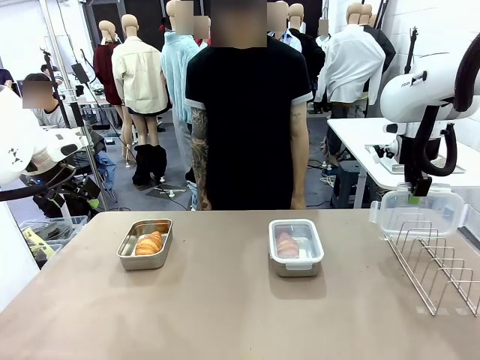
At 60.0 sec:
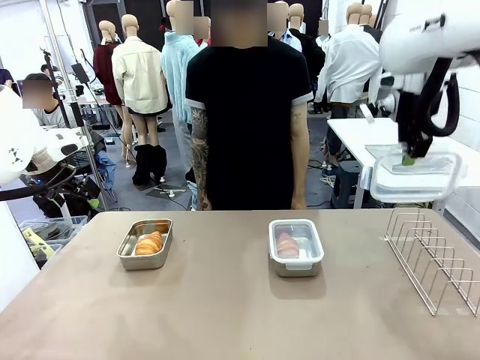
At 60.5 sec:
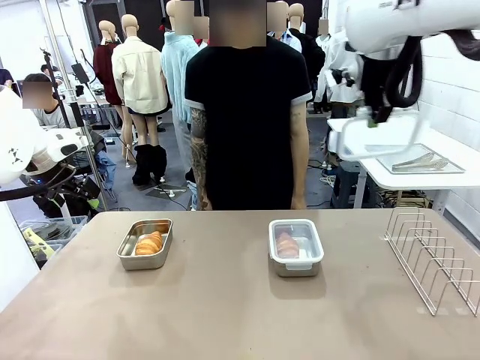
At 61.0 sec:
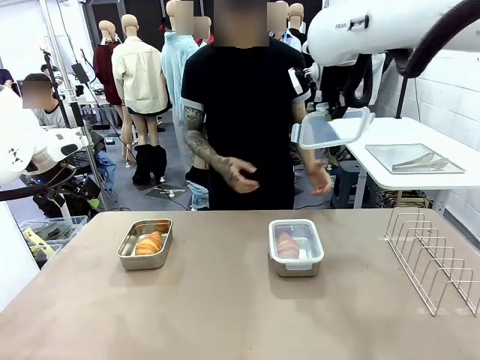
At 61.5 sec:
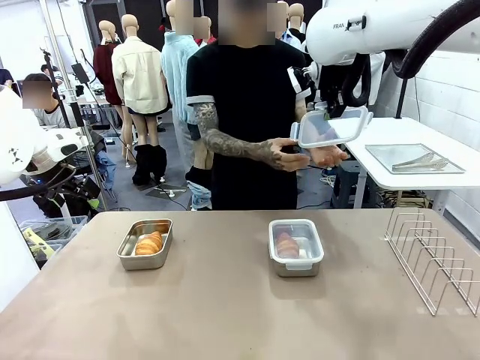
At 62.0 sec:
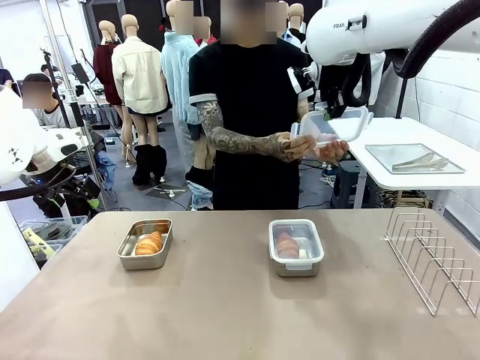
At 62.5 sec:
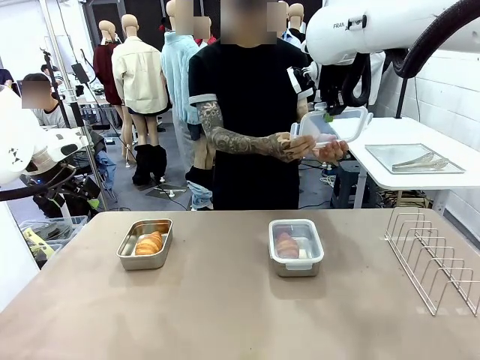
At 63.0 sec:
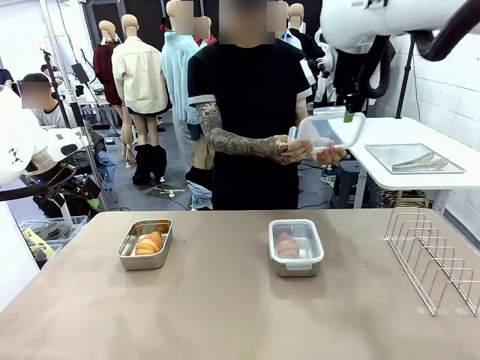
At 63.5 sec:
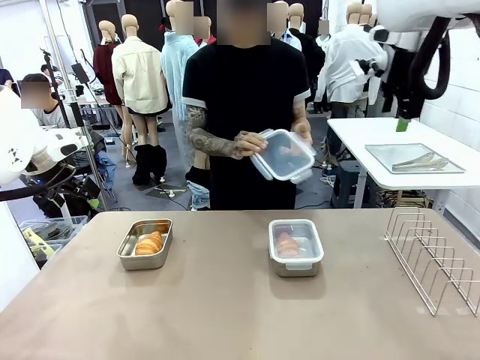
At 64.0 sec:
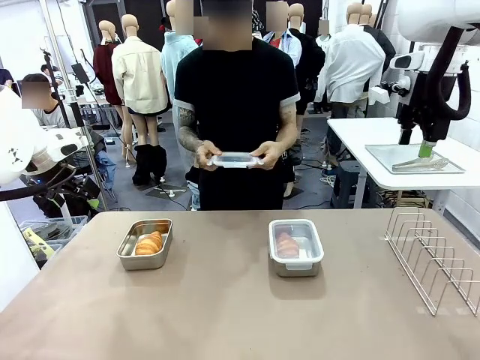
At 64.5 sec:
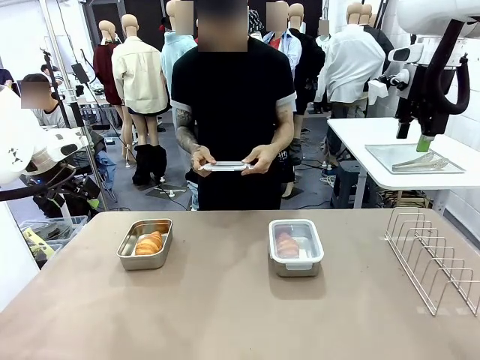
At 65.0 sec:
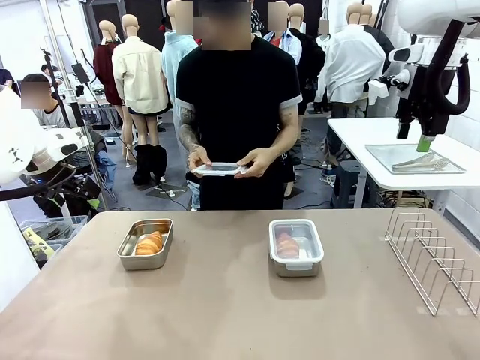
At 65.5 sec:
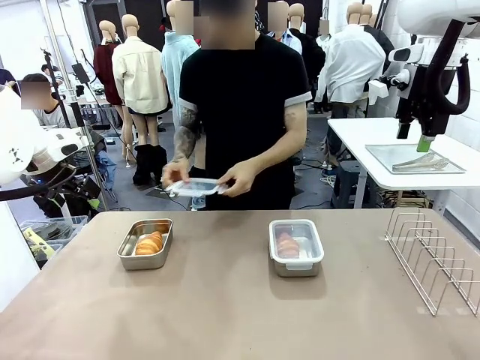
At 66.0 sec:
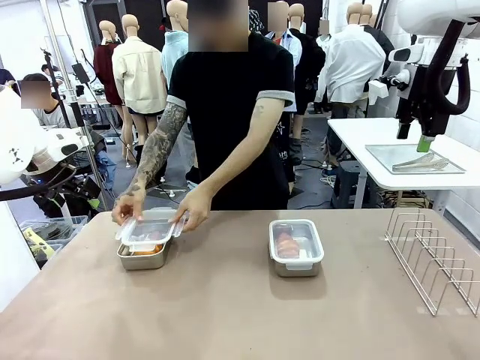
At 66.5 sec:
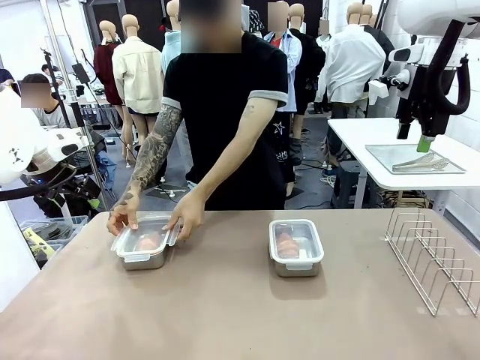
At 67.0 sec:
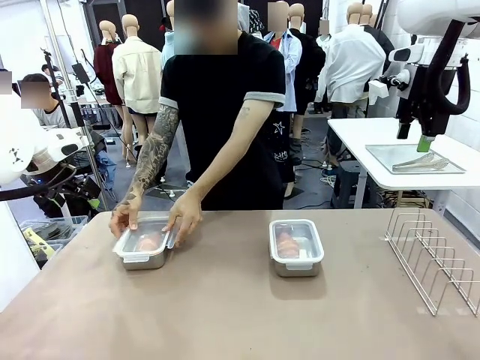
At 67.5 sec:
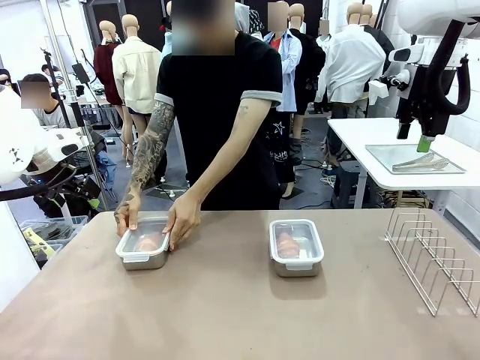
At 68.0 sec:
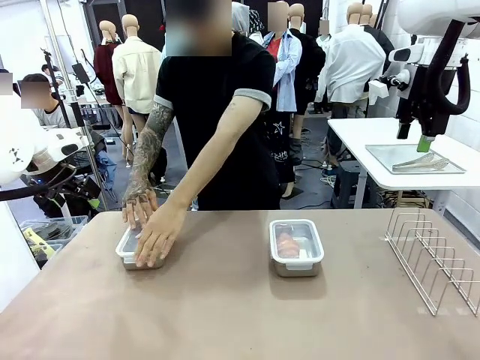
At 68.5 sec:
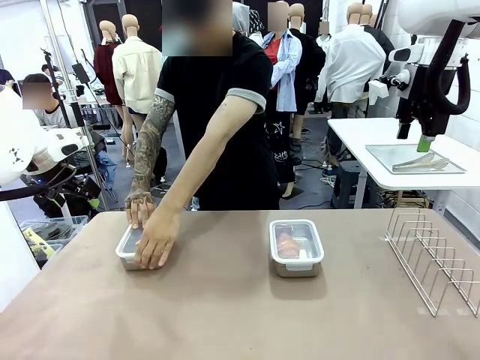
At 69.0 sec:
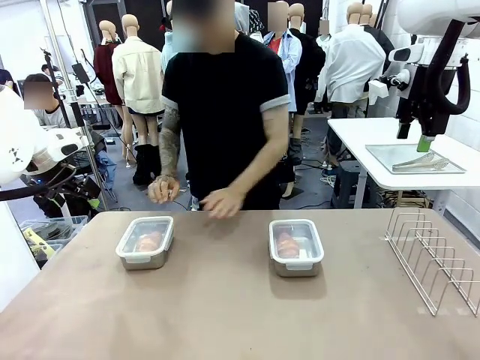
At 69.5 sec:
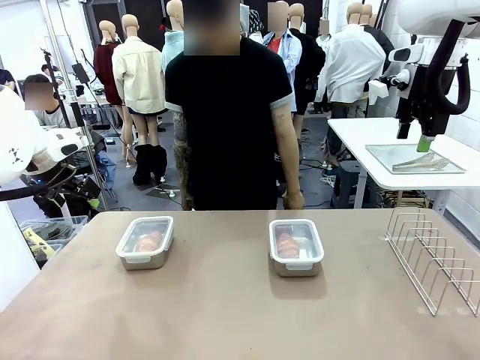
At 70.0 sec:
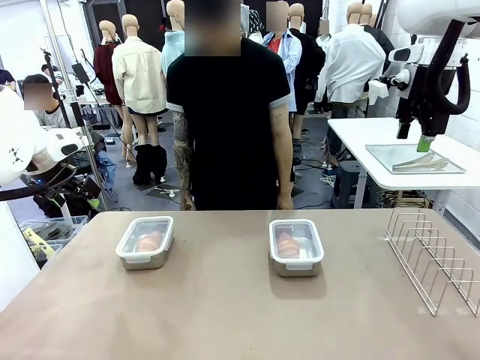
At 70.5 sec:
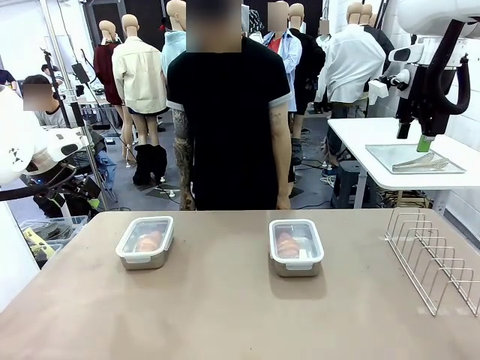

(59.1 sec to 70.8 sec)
Task: Place the bread in airtight containers.
Robot: Release when the human grabs the Airtight Container lid.
Person: Grip Airtight Container lid that robot is handing. Close Airtight Container with a handed Airtight Container lid.

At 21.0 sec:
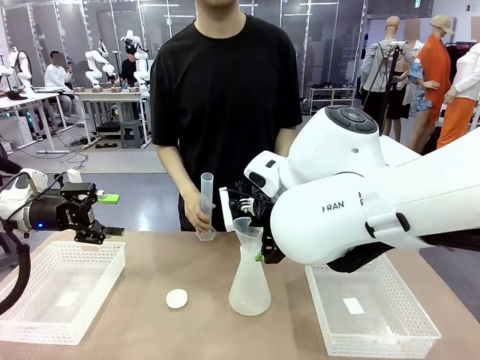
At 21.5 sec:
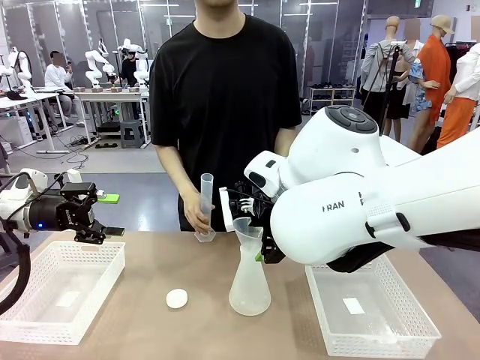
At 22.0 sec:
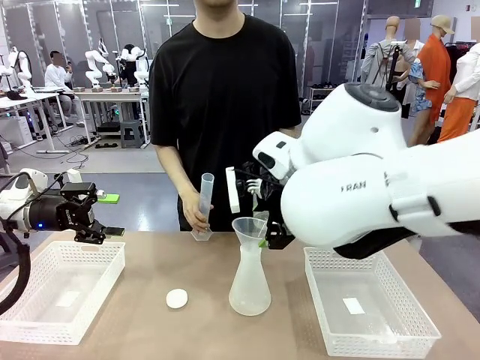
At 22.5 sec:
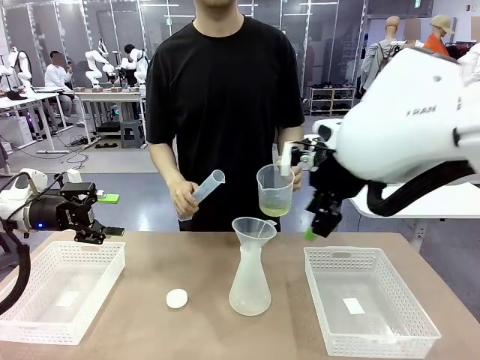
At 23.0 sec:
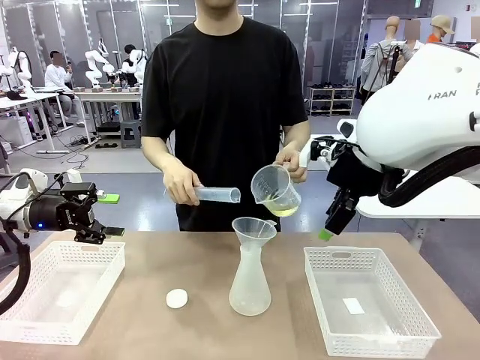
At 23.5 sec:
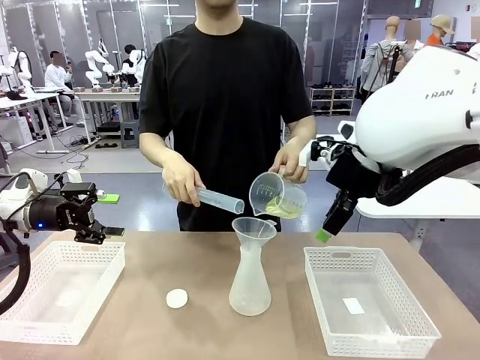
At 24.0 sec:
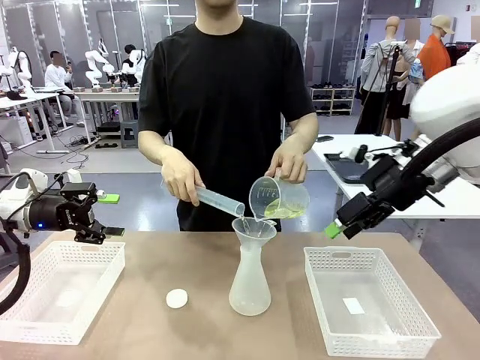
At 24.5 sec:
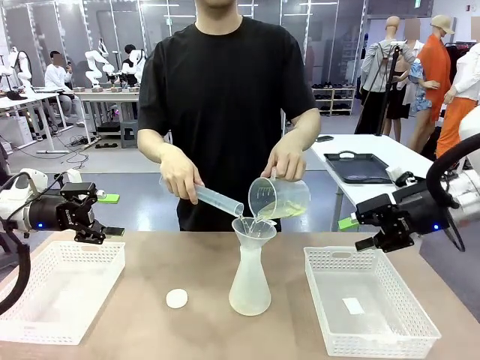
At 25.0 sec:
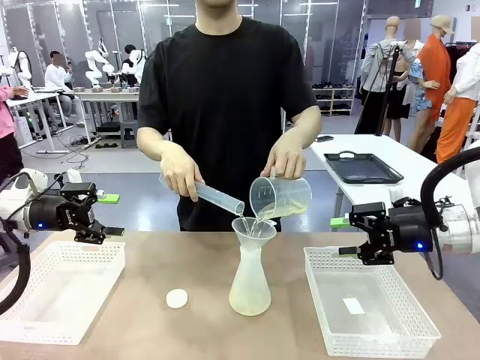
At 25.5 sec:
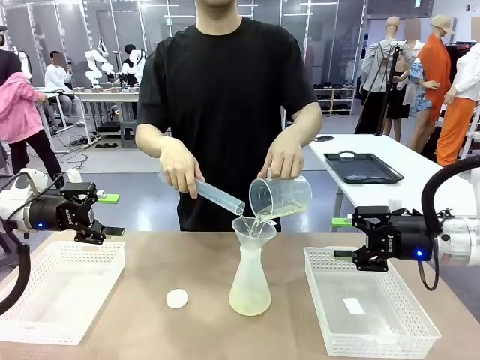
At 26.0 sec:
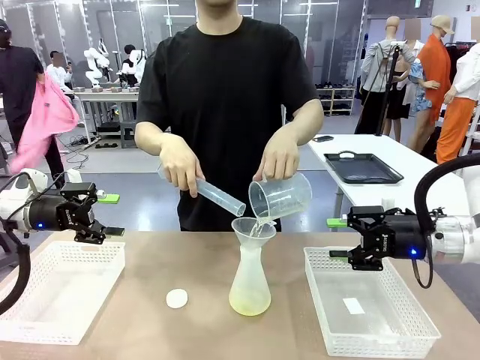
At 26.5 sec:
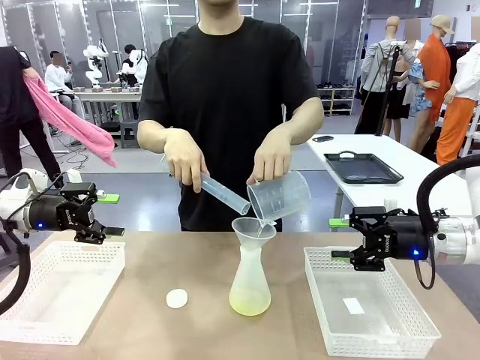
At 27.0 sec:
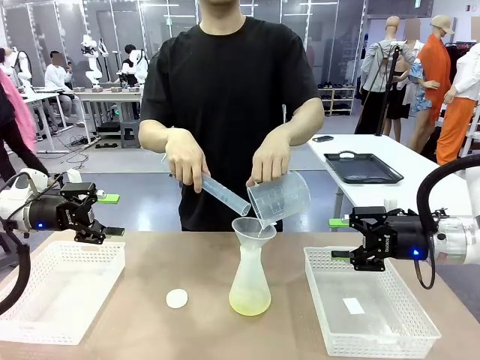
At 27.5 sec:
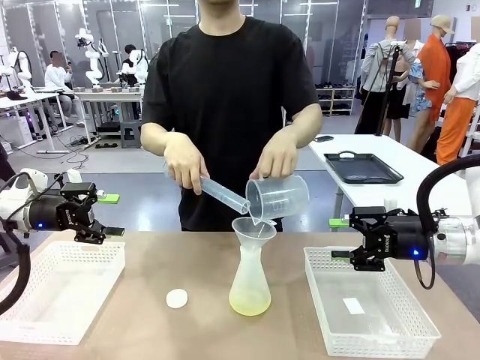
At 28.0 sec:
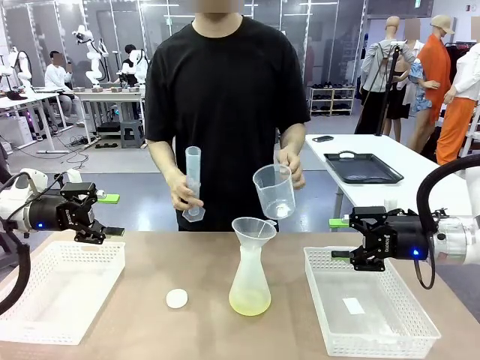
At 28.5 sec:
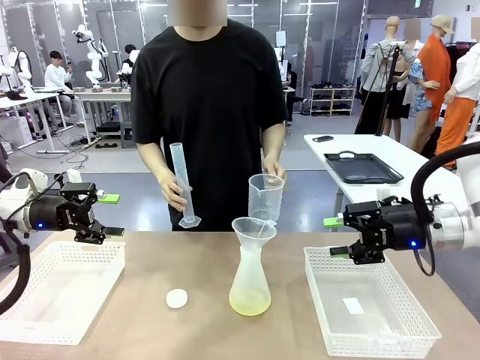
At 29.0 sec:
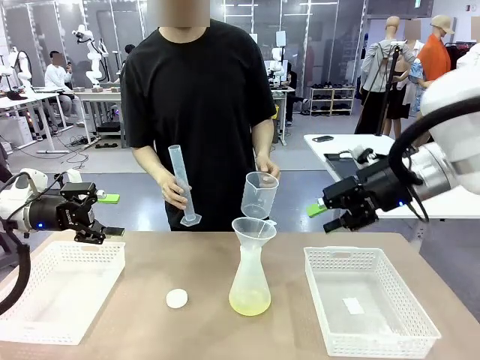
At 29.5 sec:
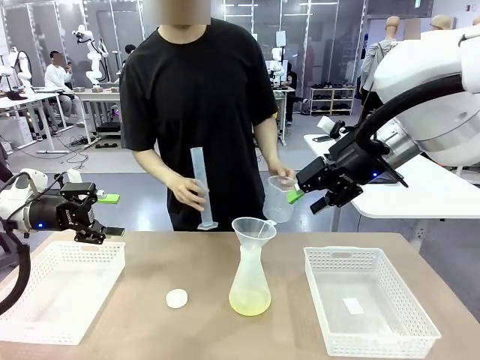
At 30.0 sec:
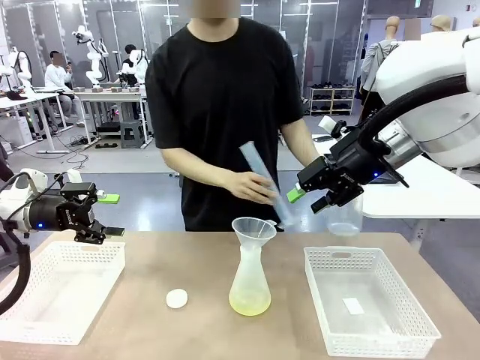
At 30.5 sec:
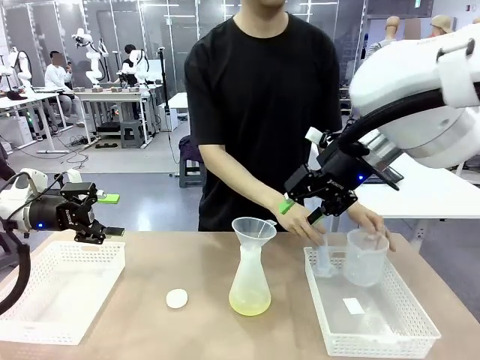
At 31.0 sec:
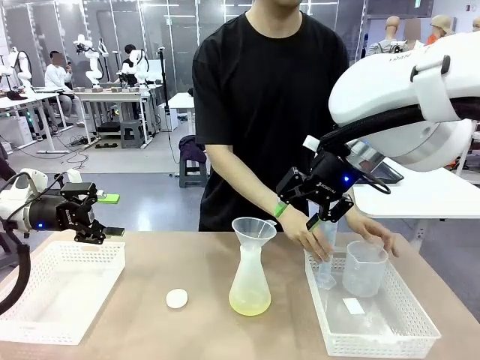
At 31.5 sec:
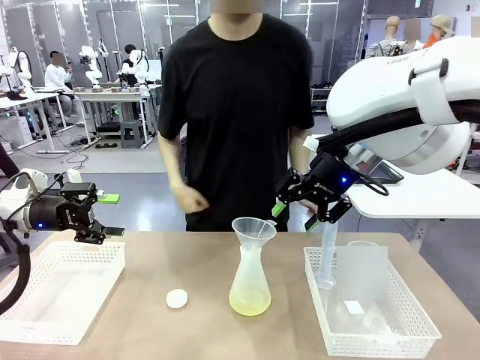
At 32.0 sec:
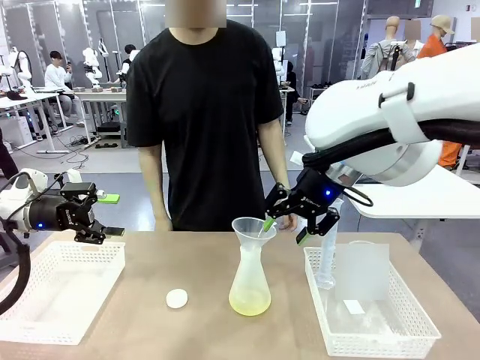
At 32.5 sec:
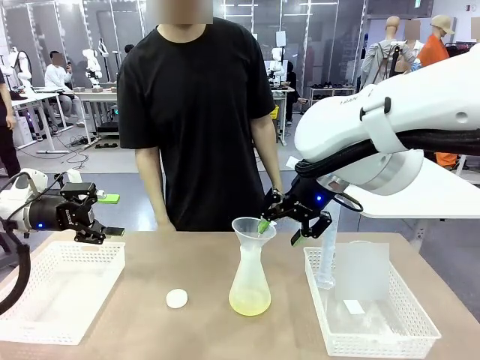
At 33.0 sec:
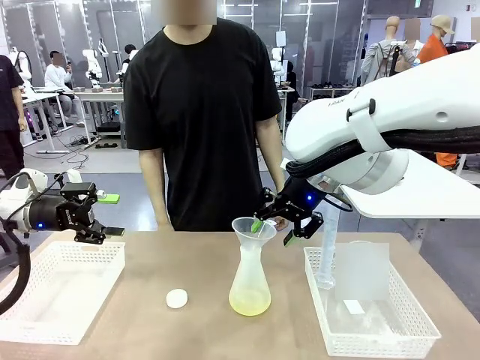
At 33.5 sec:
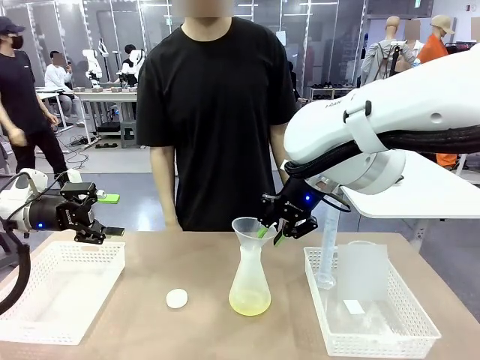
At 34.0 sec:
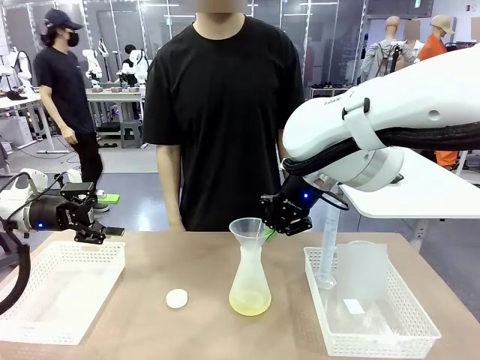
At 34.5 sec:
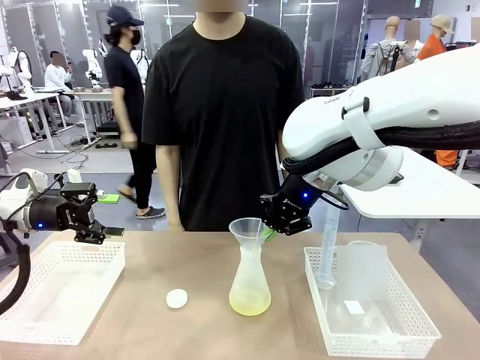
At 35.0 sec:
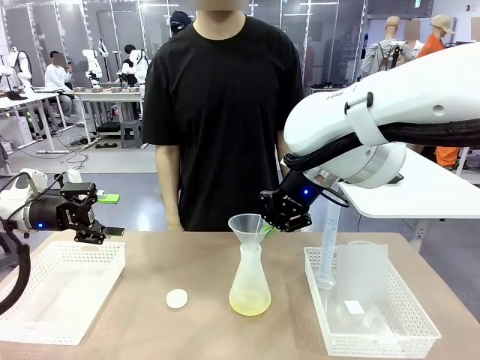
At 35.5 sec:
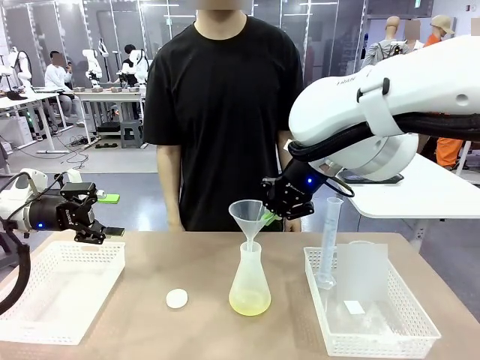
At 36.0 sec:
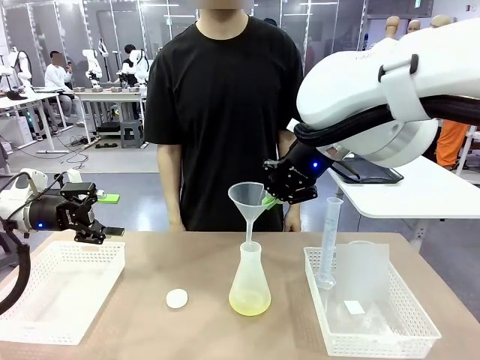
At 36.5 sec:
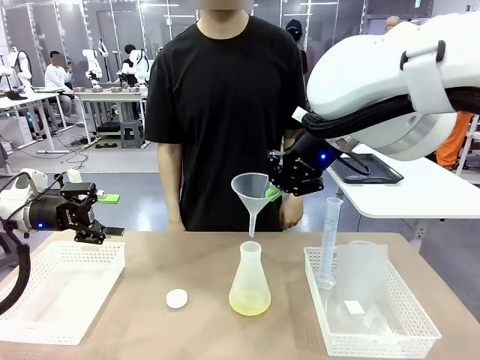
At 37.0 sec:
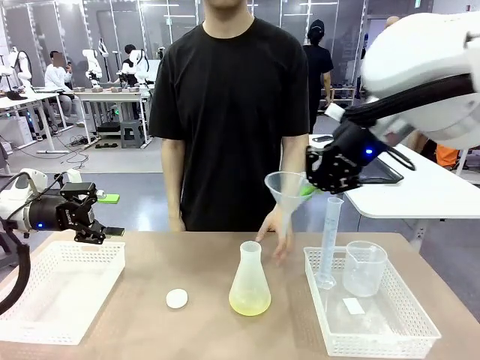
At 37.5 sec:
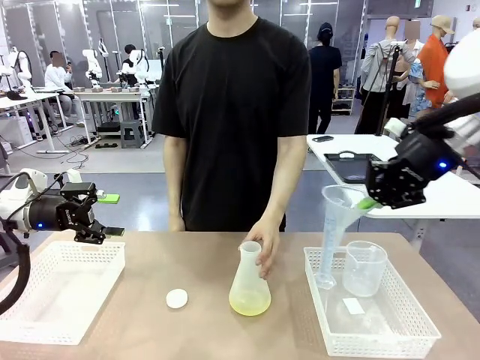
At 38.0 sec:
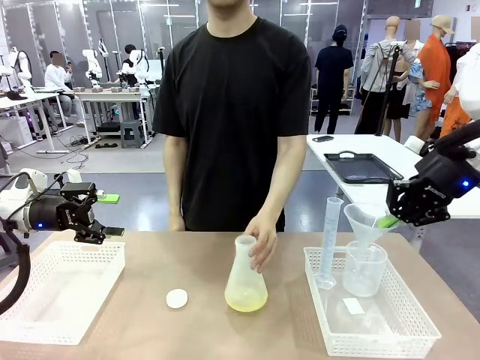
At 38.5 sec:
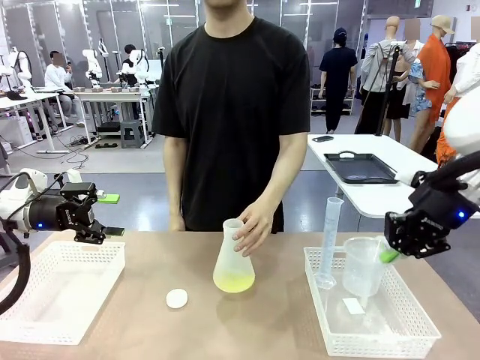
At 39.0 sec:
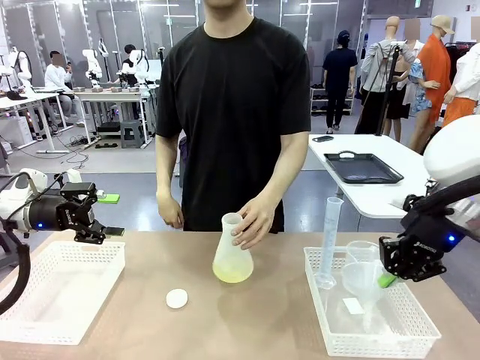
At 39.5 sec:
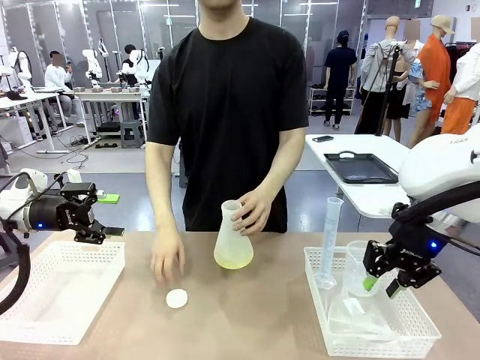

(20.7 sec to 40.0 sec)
Task: Prepare the solutions needed for the experiment.
Robot: Once the solution is in the Big flask , pick up the Plastic Funnel and place it back into the right Organizing basket.
Person: Place the beaker and the cylinder into the organizing basket on the left side. Pick up the flask, gently shake it 2–3 times, place it in the middle of the robot table, and close the lid.
